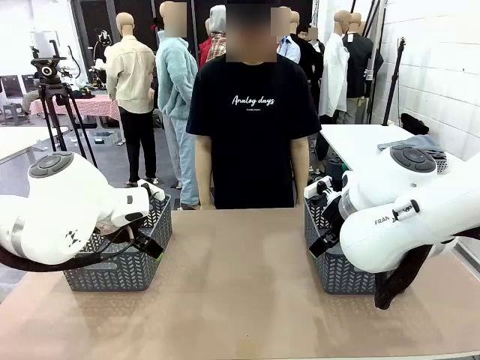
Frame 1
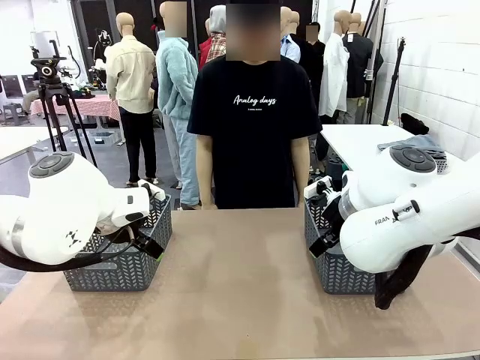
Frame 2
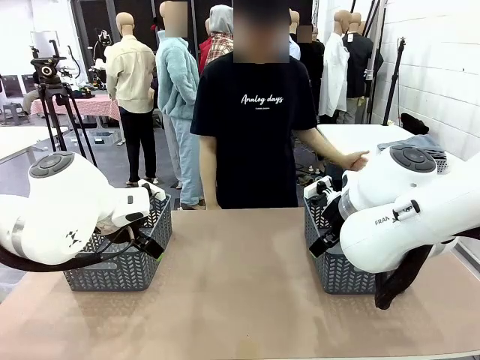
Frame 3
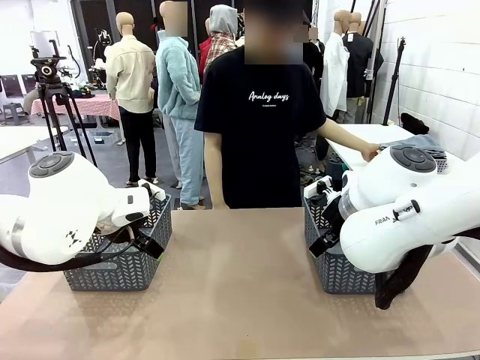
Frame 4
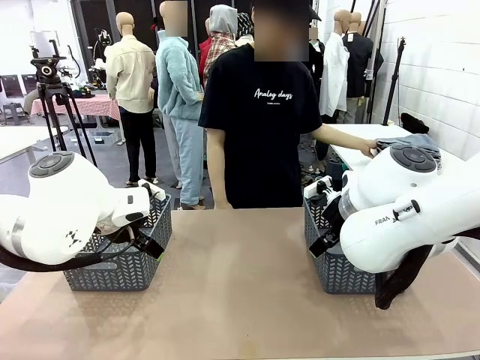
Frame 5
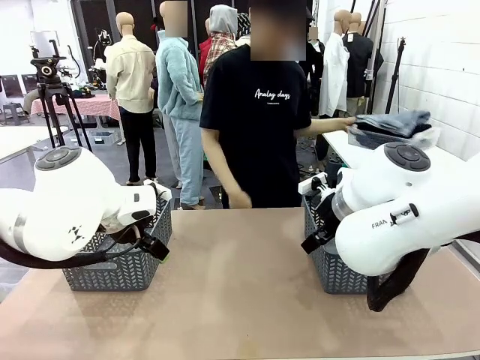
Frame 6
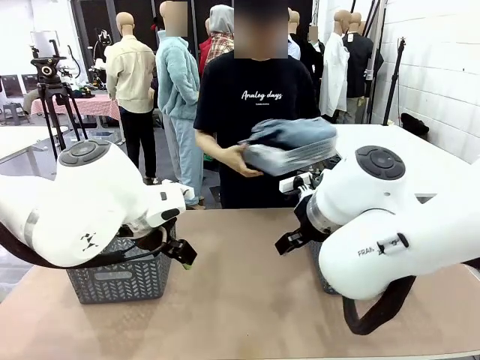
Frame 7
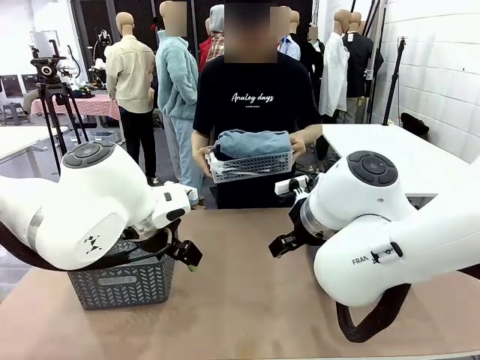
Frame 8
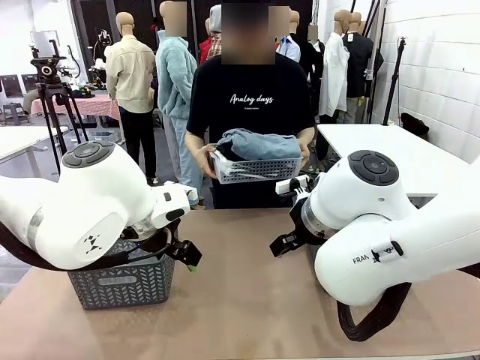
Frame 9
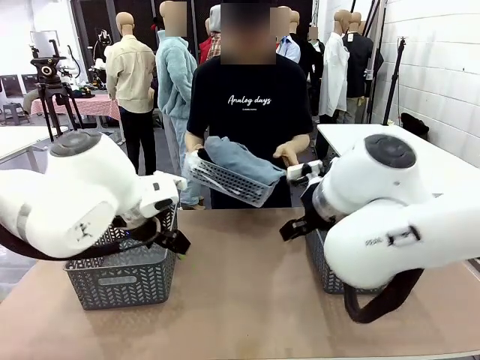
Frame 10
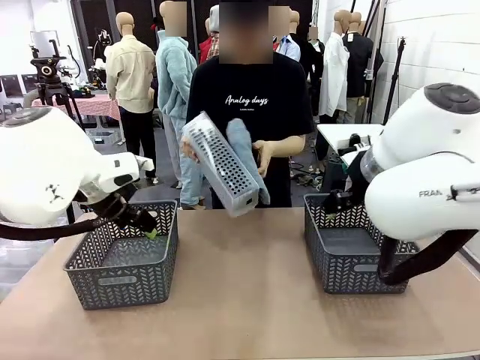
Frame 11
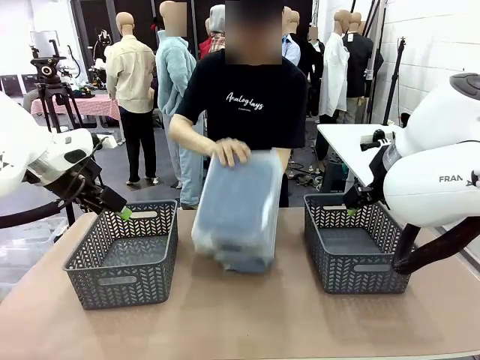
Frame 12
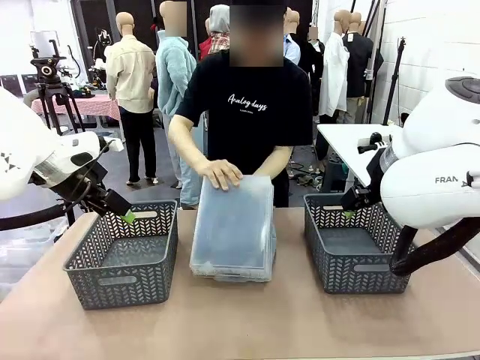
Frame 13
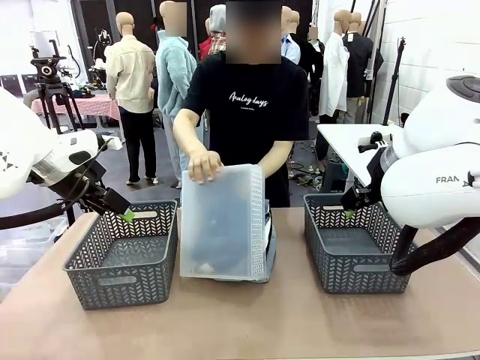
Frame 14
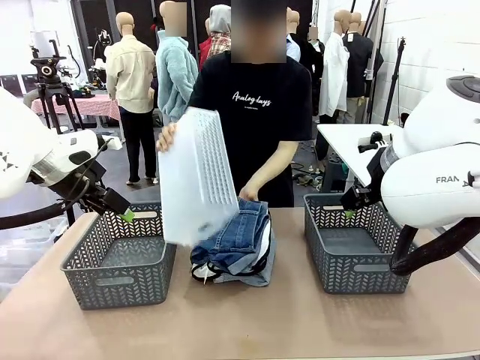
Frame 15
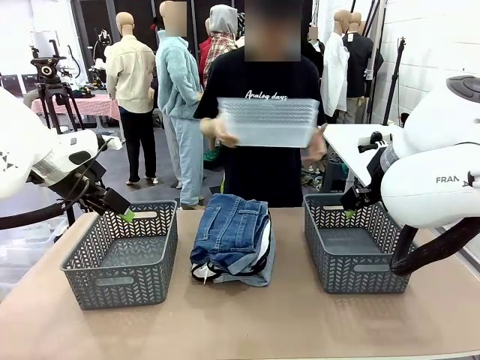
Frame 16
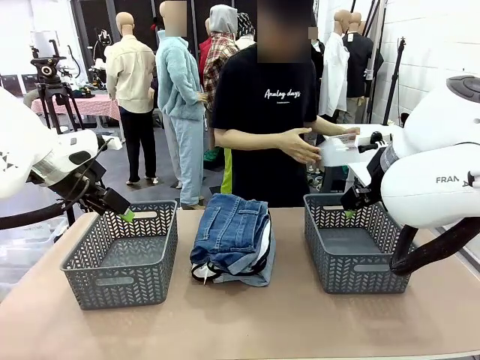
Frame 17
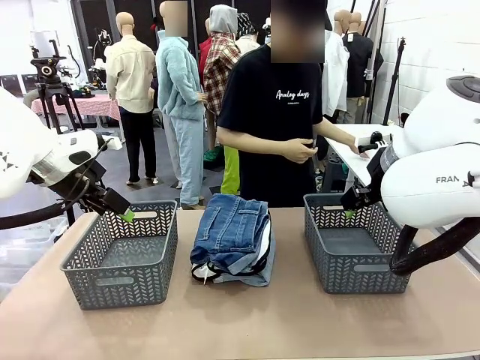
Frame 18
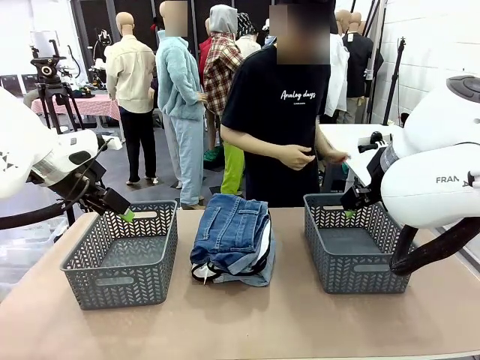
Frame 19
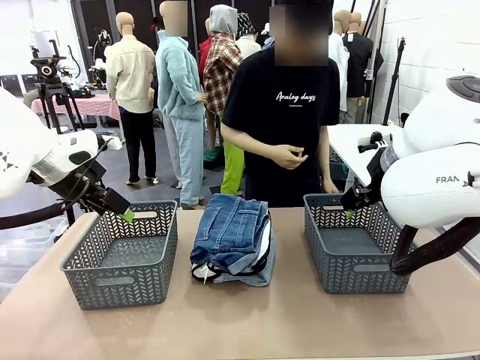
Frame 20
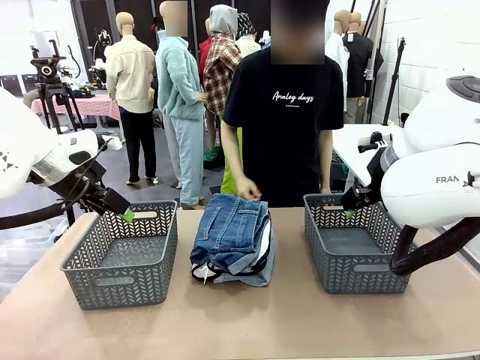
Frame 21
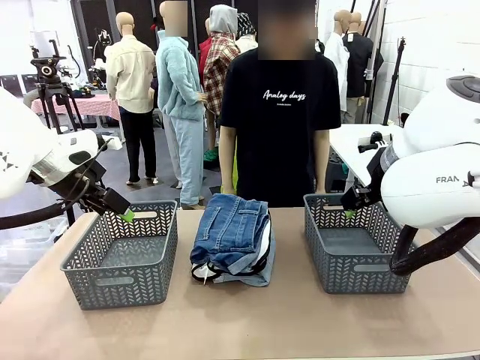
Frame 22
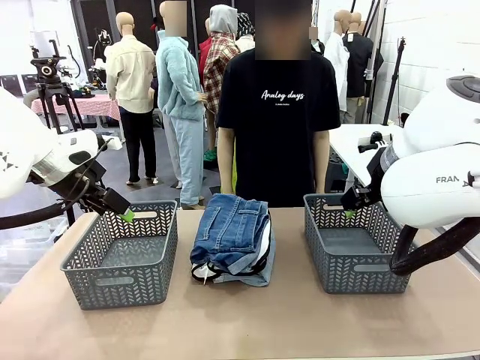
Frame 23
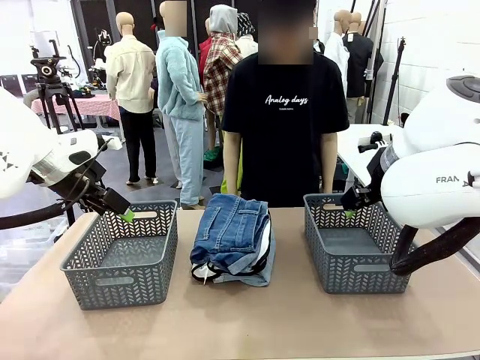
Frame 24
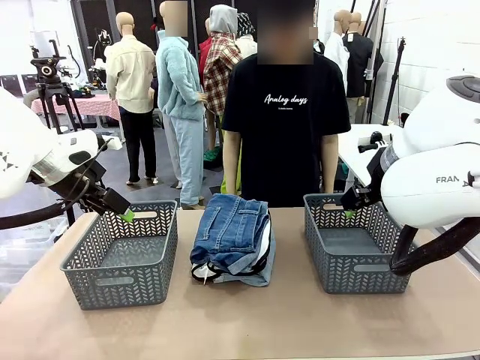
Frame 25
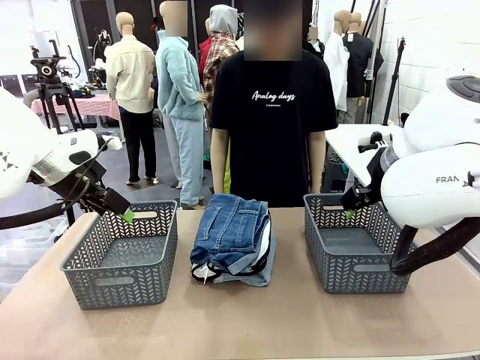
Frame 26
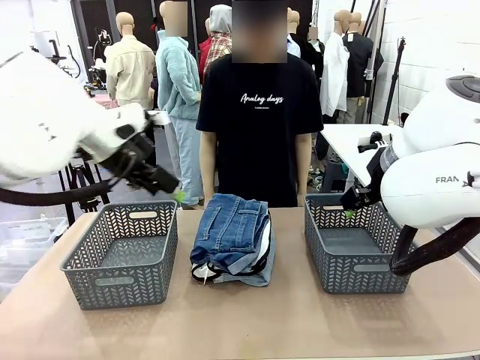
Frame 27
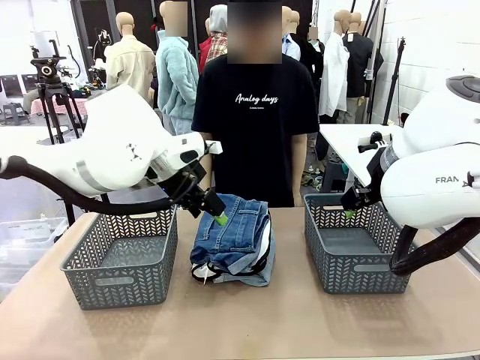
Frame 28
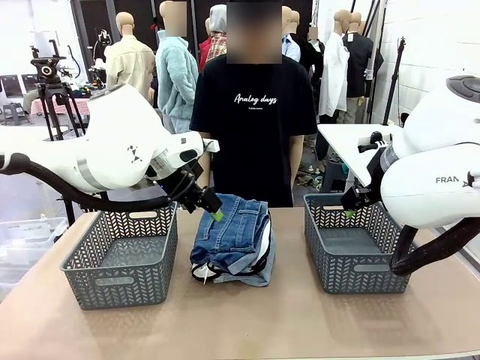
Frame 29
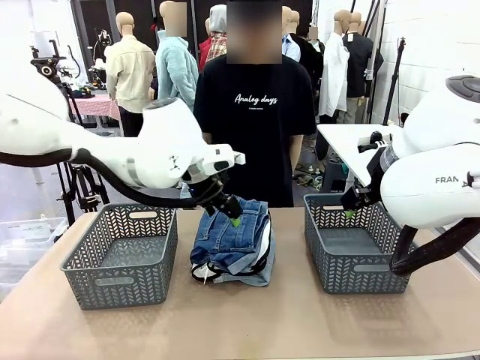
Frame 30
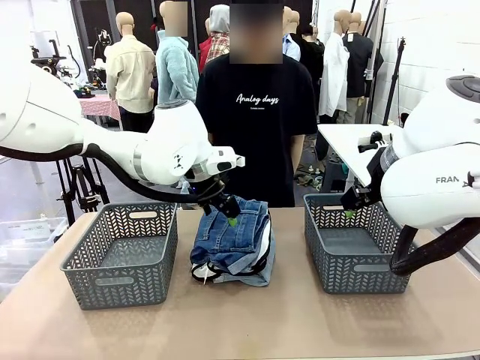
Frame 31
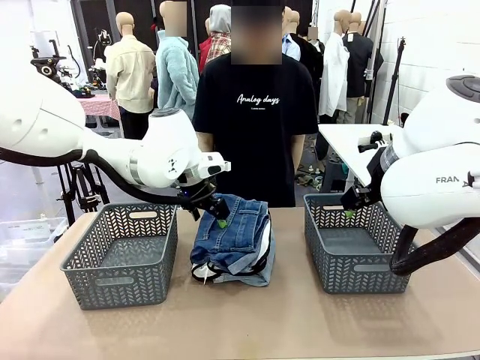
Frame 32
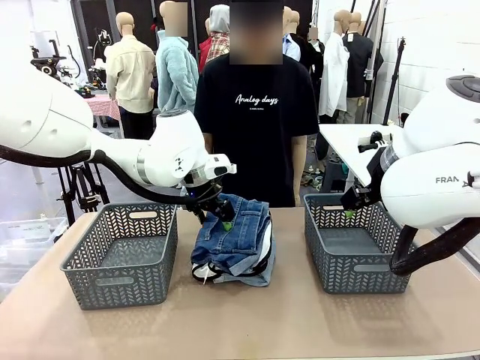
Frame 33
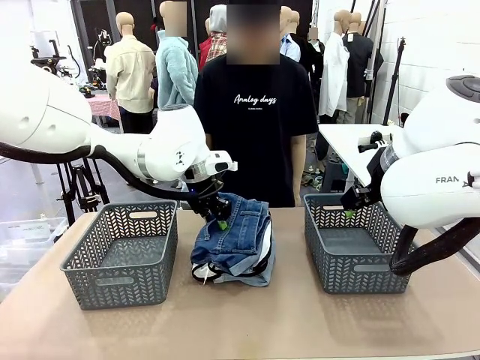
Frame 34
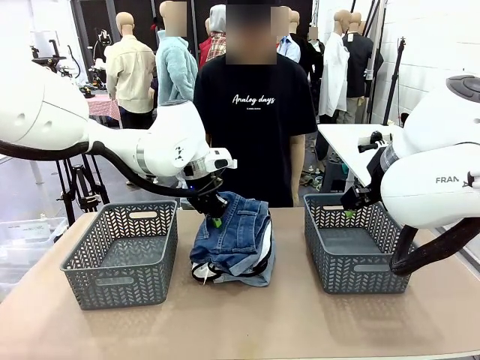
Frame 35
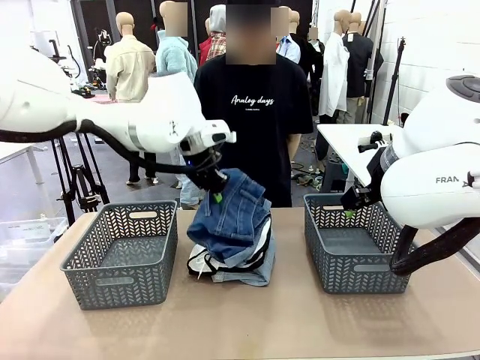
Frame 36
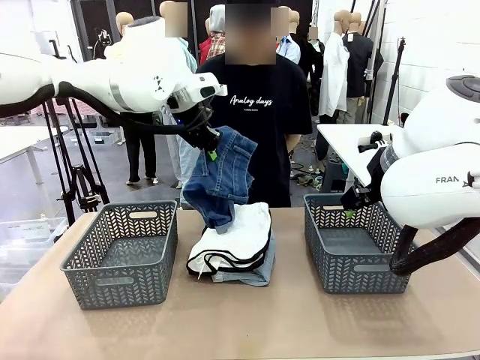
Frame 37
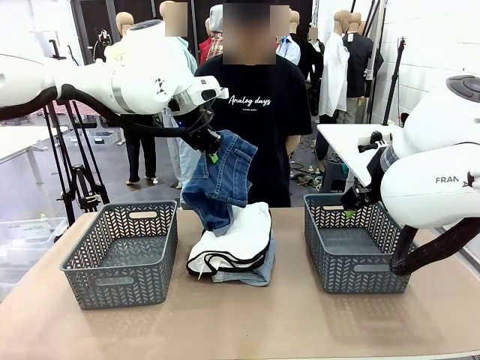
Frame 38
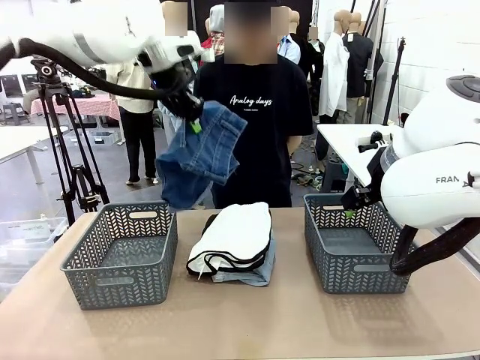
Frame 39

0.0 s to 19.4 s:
Task: Sort the tops and bottoms.
Robot: Lift clothes from the center of the table with your left hand.
Person: Pour the clothes from the basket onto the center of the robot table.

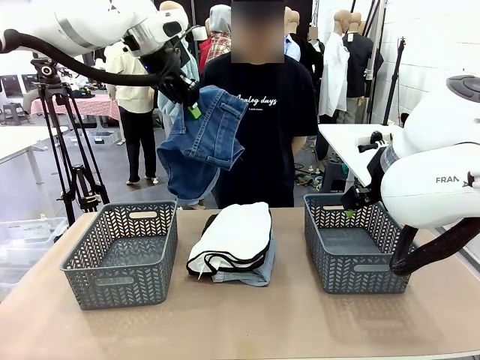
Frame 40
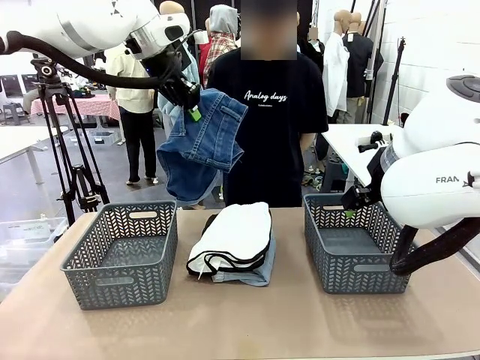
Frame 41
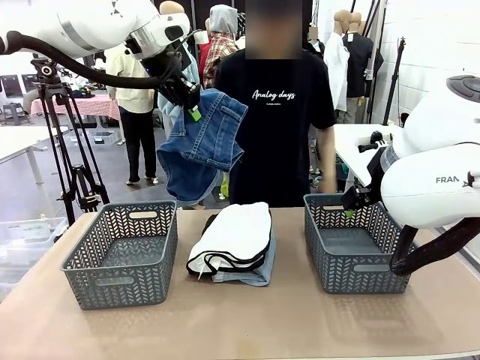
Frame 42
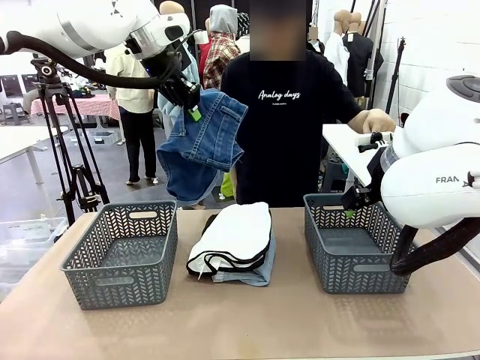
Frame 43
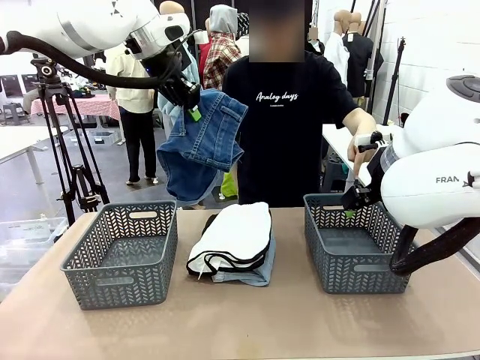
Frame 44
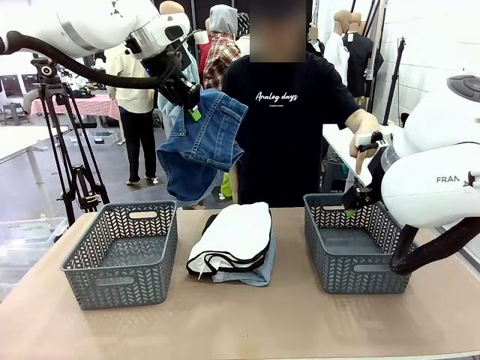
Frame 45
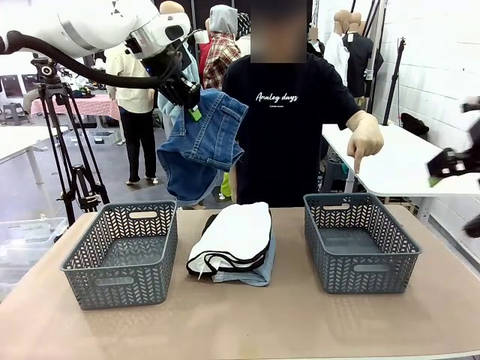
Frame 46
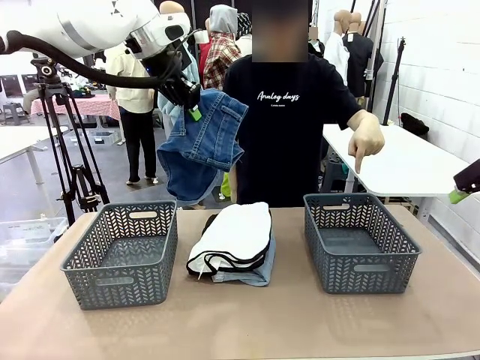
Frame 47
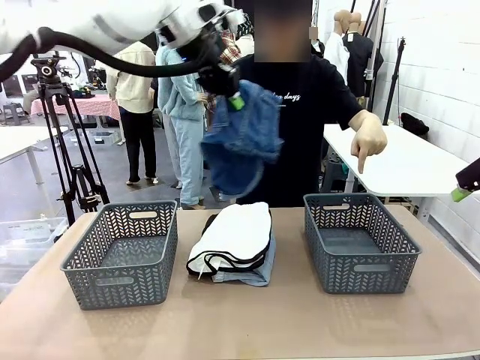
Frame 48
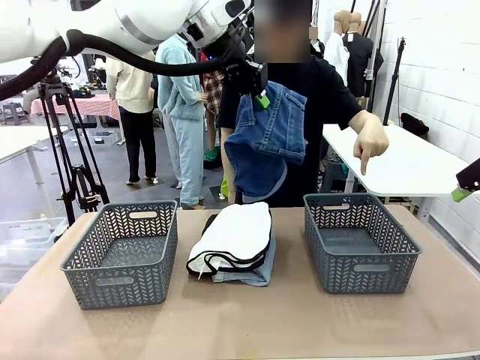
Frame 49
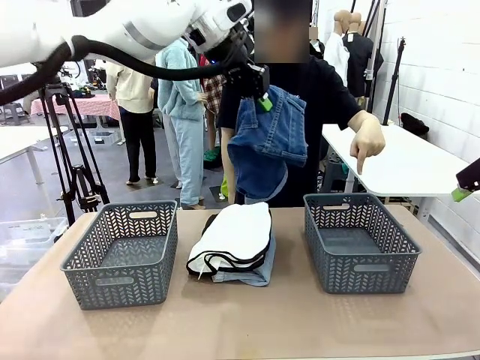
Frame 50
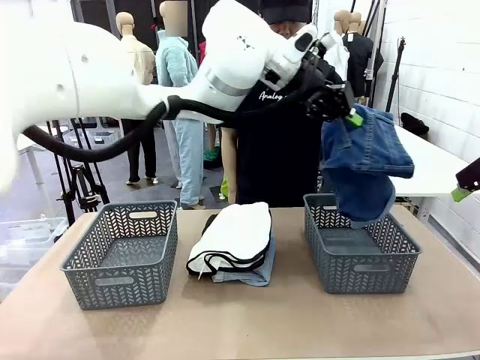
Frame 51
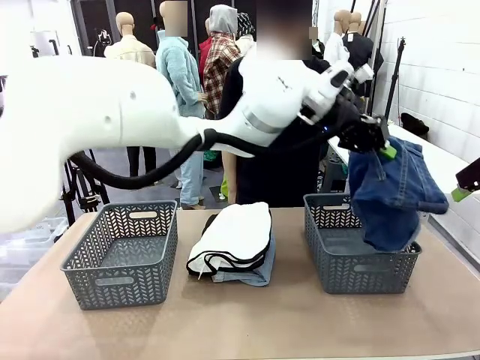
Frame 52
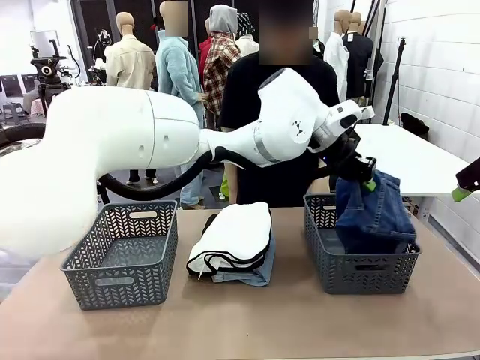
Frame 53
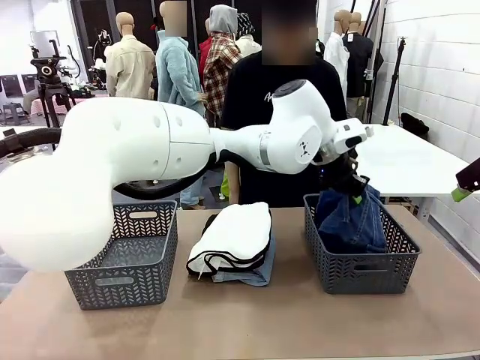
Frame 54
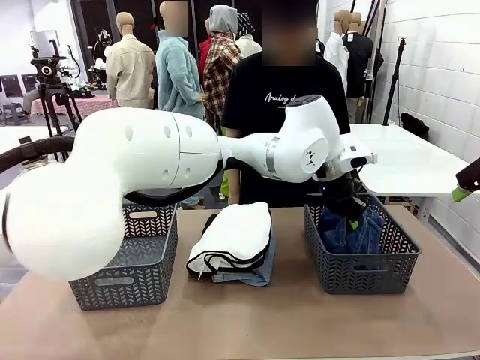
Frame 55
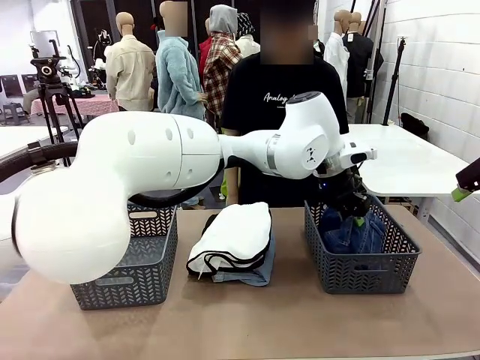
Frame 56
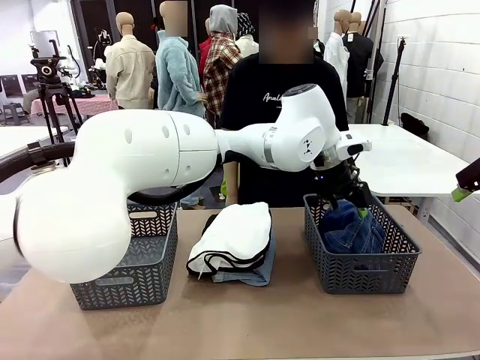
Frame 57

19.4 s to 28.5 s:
Robot: Sort the clothes according to human instructions.
